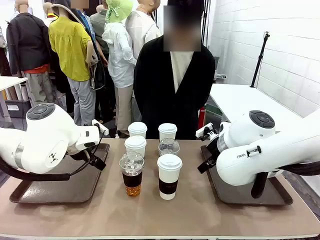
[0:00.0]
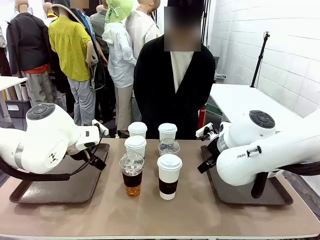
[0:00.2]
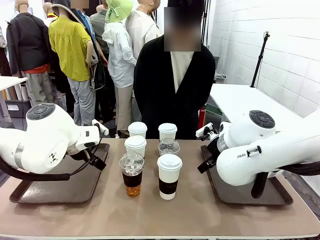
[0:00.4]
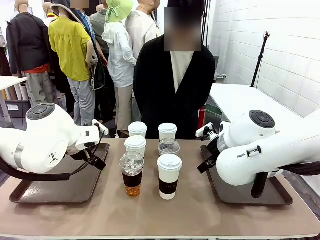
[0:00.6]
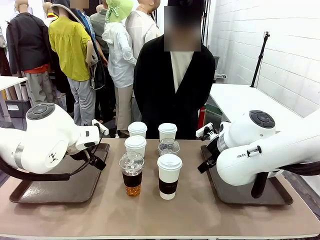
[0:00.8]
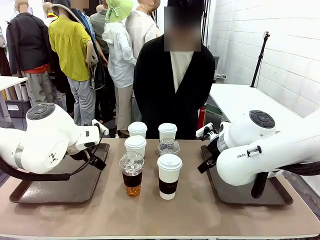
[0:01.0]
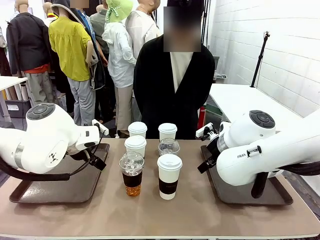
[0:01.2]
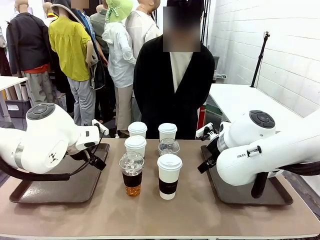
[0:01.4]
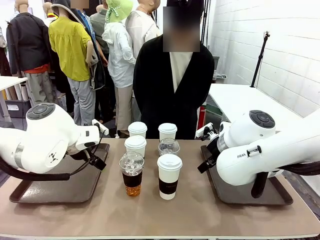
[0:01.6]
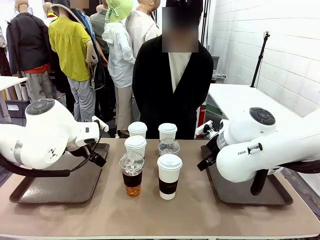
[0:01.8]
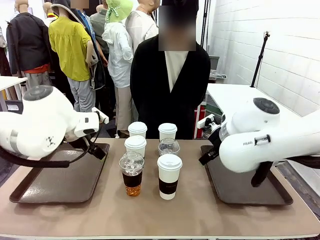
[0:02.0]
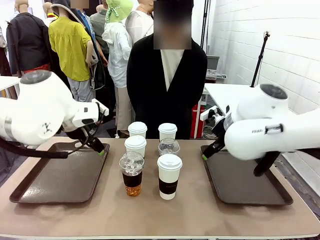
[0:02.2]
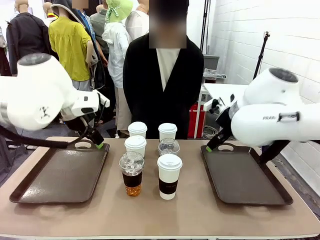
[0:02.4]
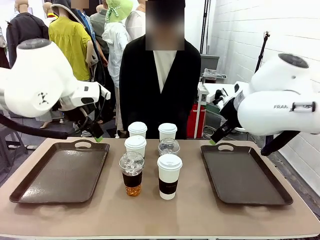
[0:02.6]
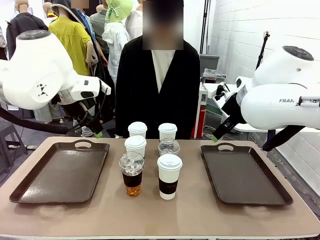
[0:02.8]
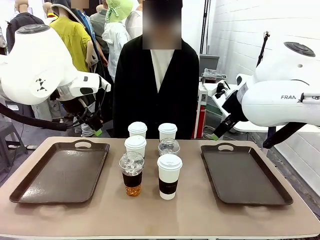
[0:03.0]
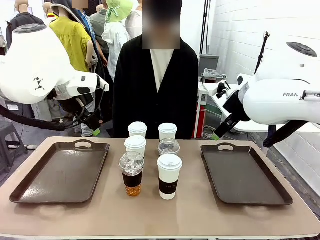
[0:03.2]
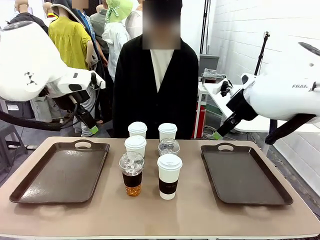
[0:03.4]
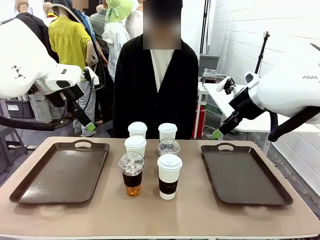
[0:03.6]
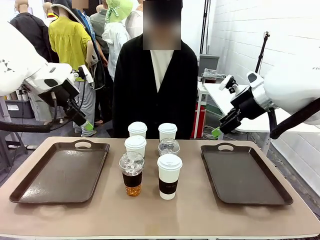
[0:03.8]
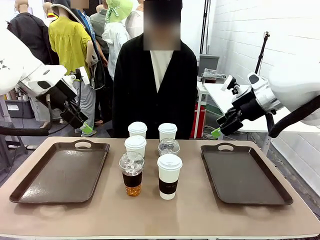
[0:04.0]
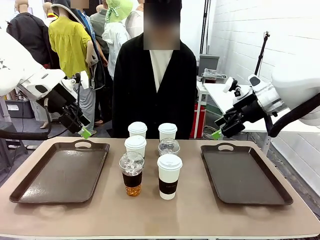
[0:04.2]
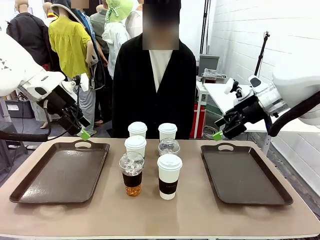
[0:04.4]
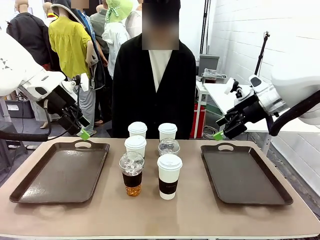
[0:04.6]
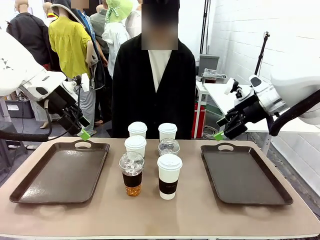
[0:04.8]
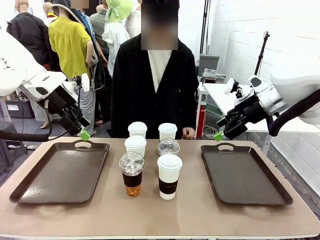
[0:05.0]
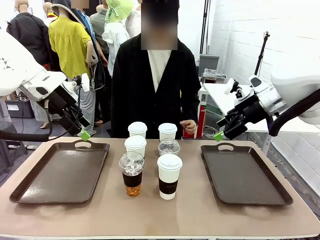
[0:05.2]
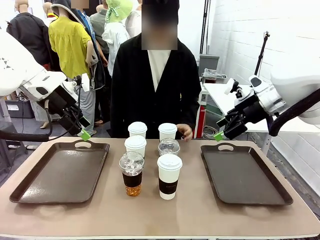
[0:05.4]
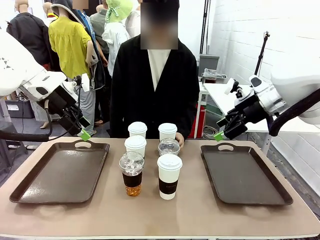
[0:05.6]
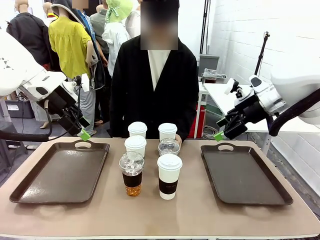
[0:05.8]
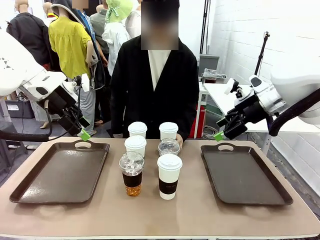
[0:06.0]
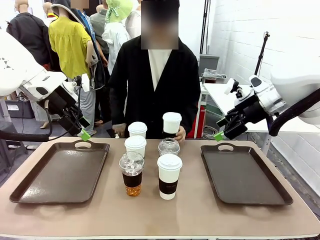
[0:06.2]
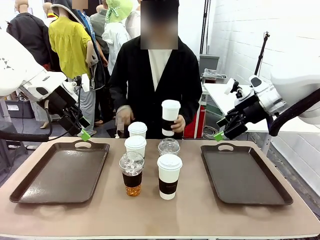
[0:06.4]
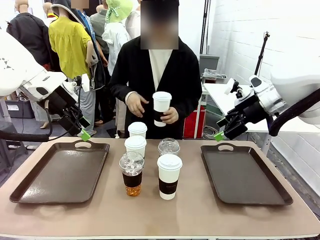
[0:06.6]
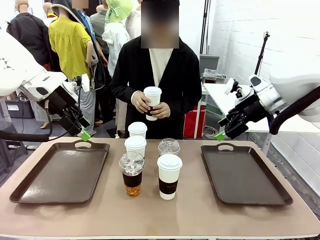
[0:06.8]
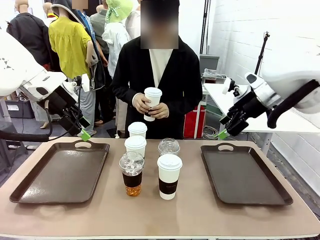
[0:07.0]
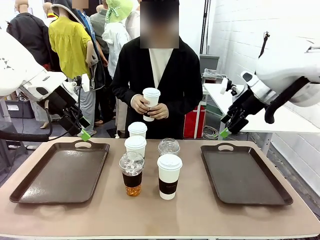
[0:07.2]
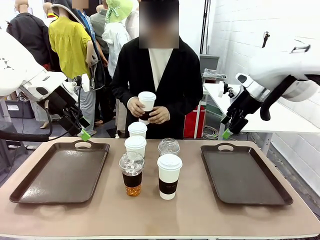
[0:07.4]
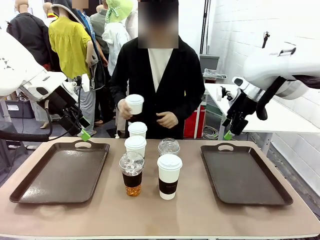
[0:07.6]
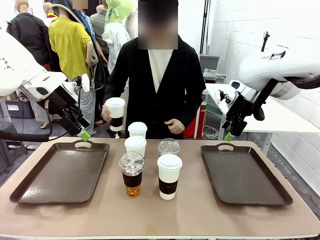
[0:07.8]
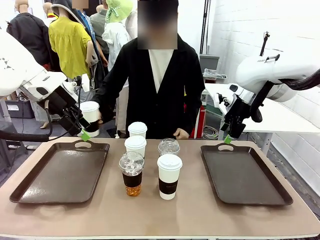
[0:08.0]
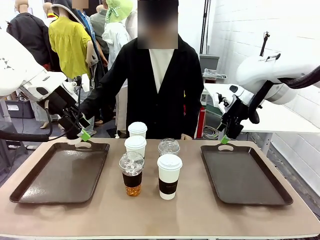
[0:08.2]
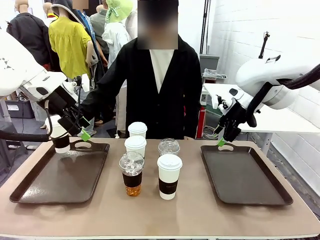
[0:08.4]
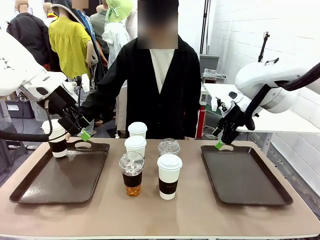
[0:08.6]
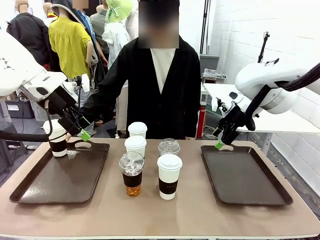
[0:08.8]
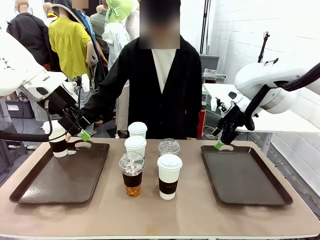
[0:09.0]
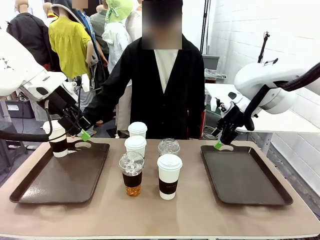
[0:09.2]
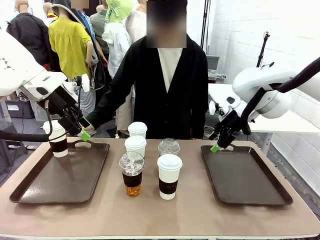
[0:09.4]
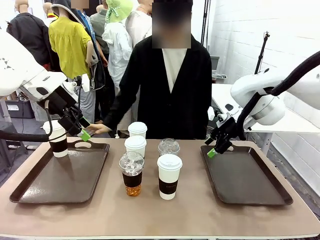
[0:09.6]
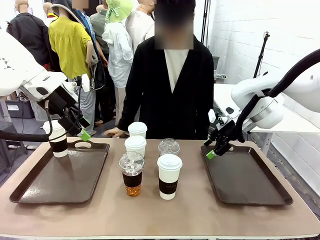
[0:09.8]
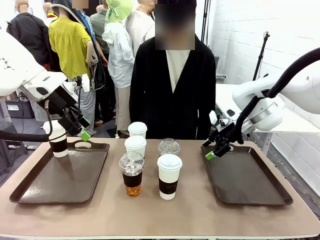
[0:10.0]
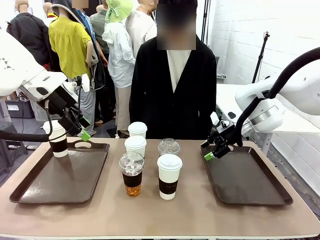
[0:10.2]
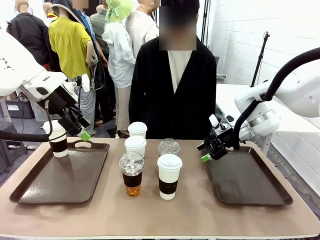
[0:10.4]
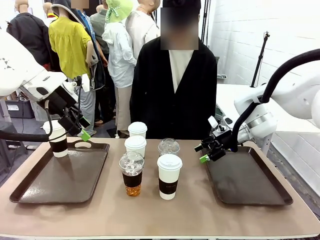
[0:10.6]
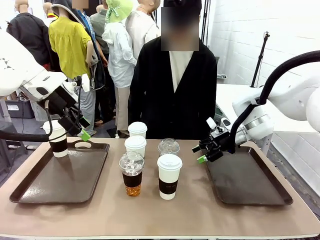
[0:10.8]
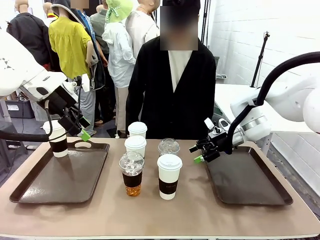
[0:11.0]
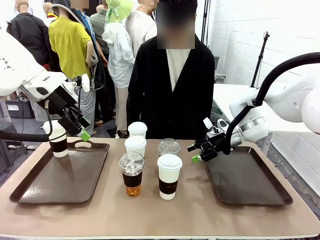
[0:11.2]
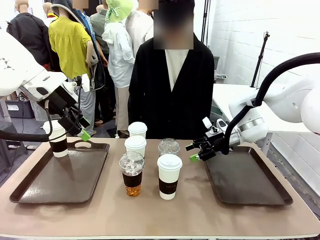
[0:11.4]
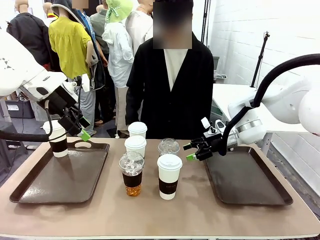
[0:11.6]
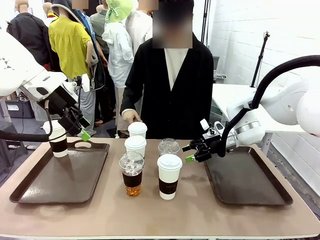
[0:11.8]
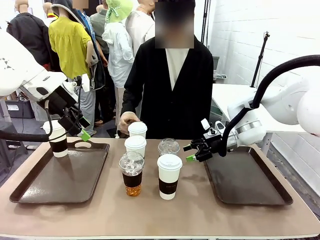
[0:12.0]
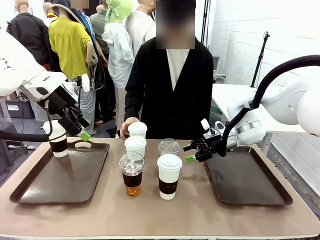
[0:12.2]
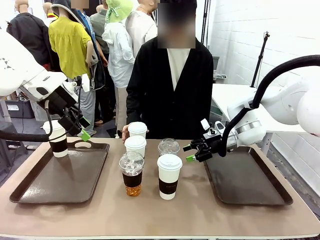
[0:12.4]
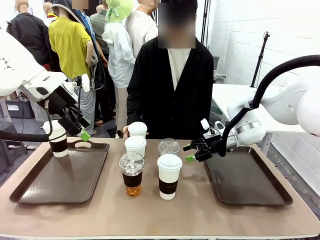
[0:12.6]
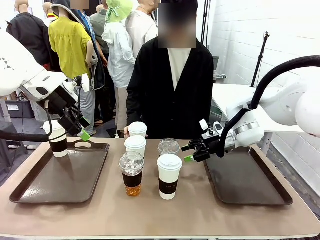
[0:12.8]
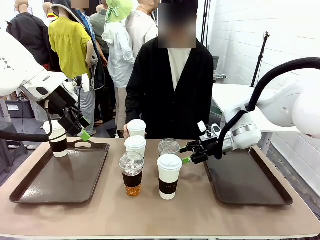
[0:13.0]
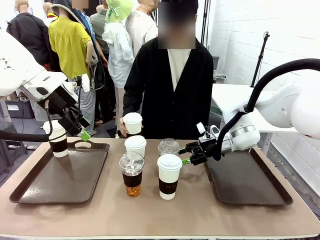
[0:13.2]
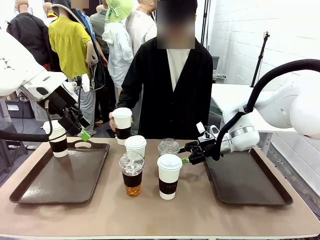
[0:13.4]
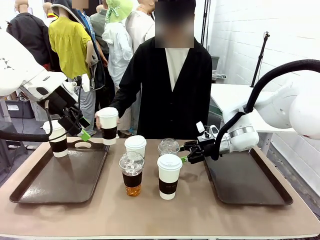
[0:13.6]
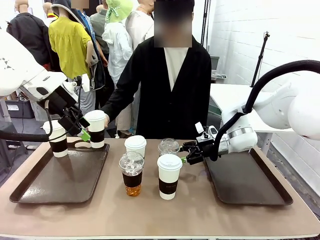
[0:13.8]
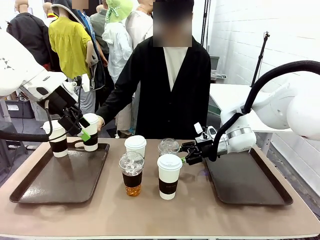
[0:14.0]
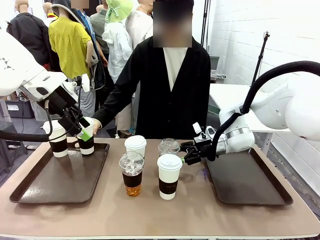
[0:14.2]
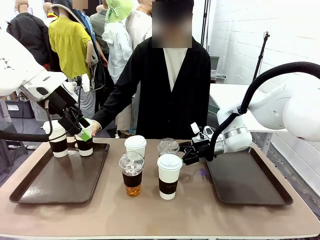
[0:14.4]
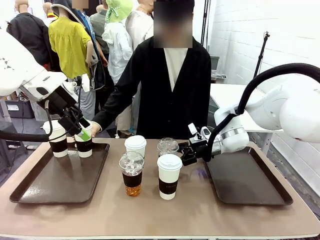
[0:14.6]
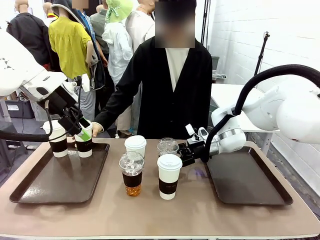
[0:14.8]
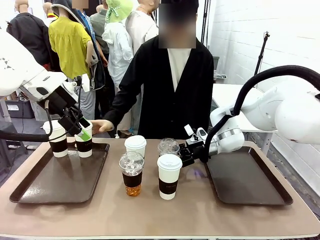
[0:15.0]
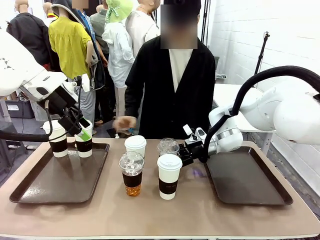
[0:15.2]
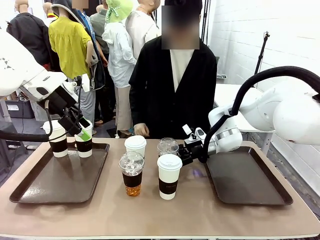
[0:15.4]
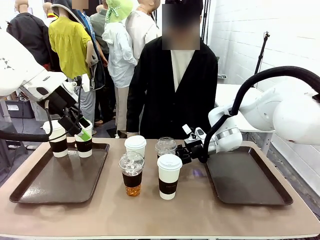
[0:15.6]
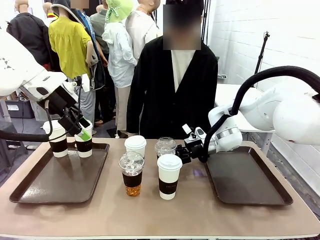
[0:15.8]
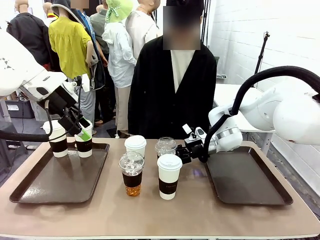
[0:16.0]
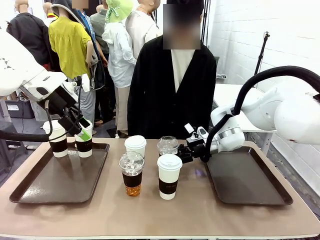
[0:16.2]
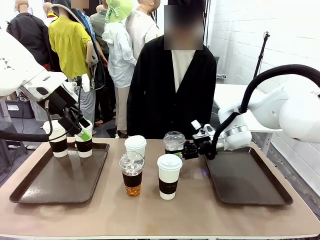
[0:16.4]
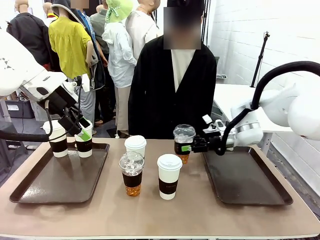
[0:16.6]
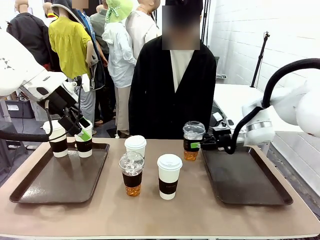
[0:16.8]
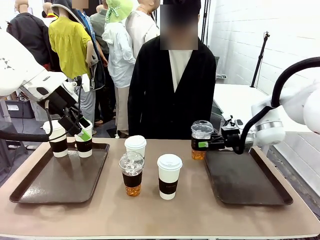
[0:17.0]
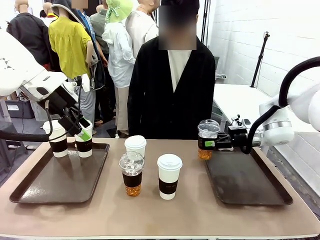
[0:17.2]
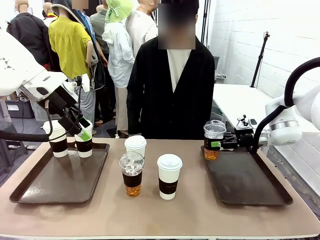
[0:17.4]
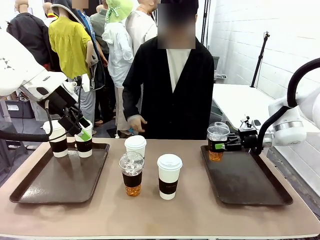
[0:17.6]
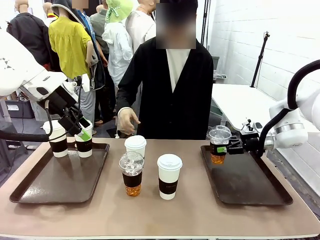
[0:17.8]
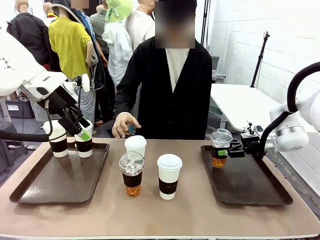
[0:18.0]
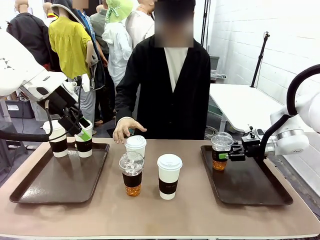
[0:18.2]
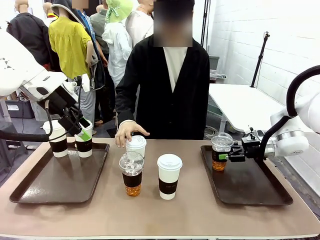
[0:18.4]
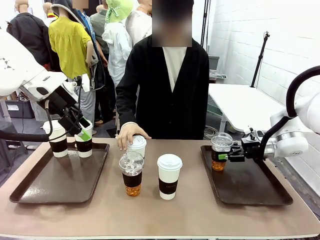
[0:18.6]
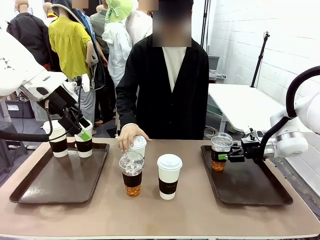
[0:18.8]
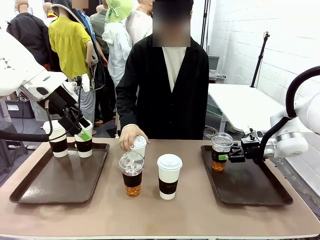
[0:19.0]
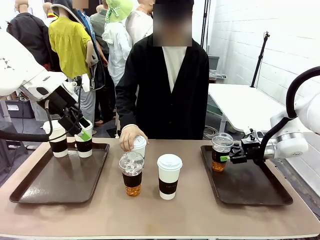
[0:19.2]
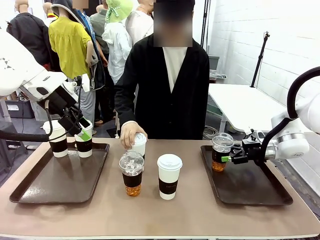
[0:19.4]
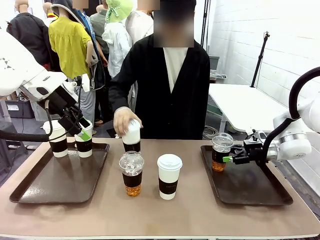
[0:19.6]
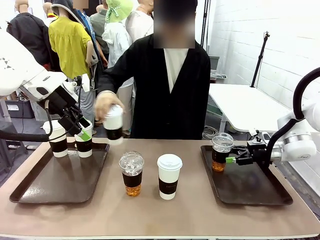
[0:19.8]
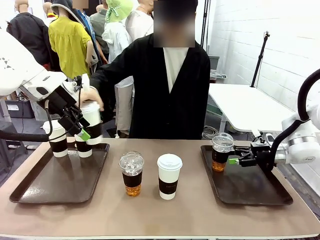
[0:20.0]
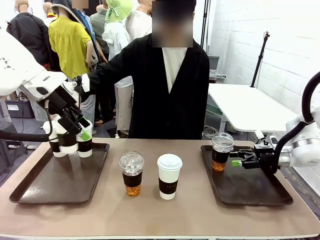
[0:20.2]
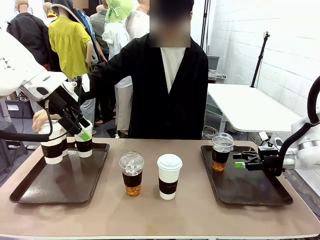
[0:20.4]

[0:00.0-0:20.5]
Task: Distribute the coffee onto the tray.
Robot: Pick up one iced Americano and place it on the right Handle tray.
Person: Pick up a cup of hot Americano and place it on the right tray.
